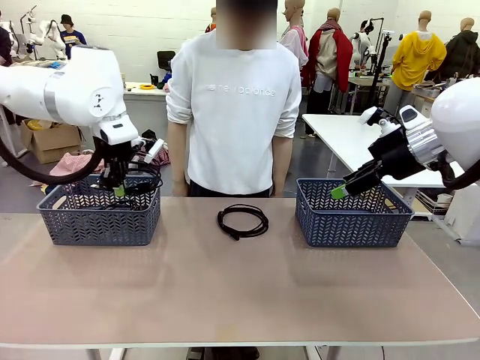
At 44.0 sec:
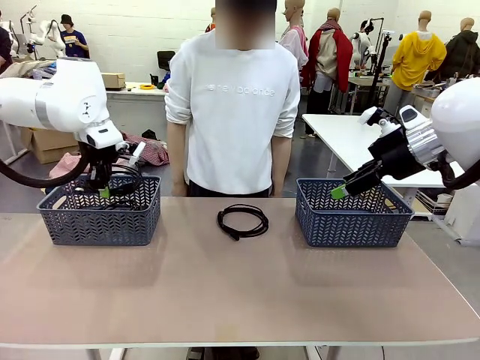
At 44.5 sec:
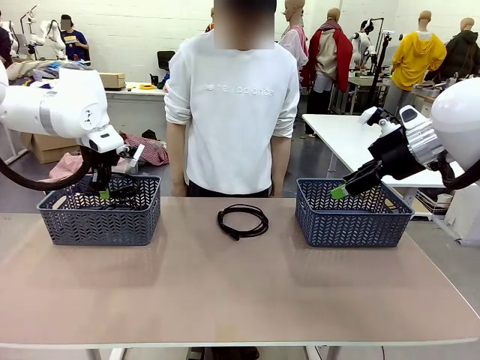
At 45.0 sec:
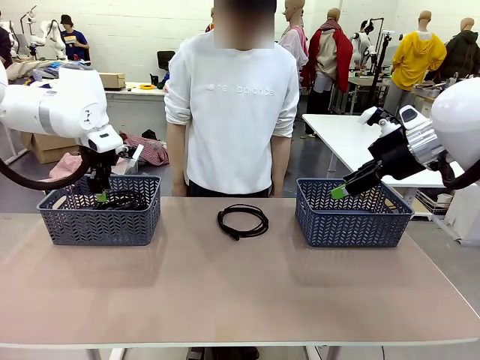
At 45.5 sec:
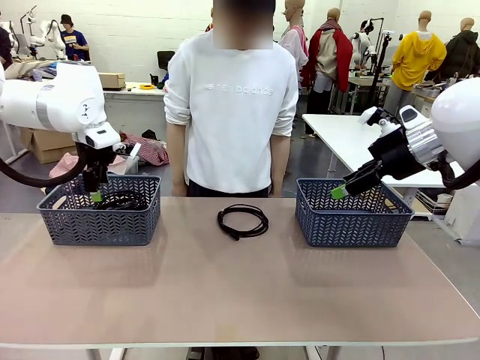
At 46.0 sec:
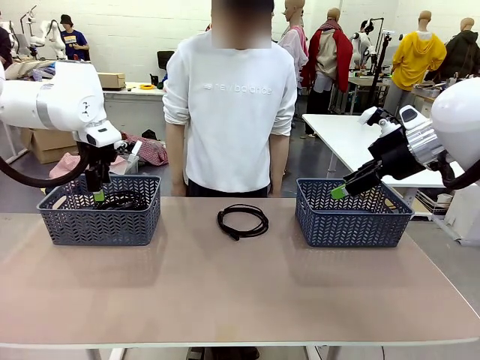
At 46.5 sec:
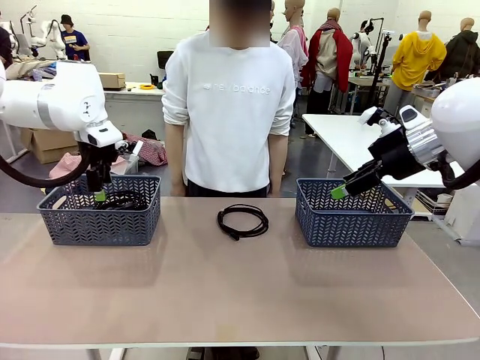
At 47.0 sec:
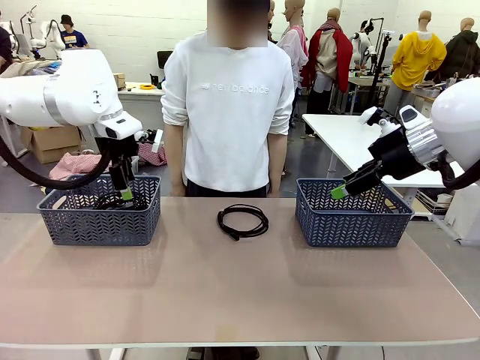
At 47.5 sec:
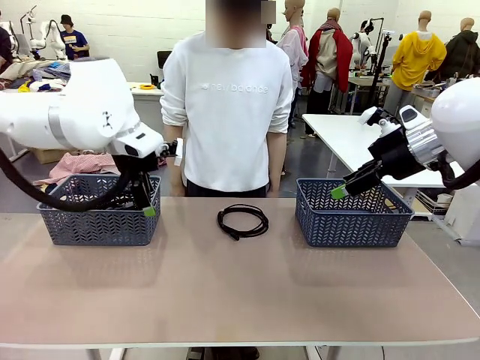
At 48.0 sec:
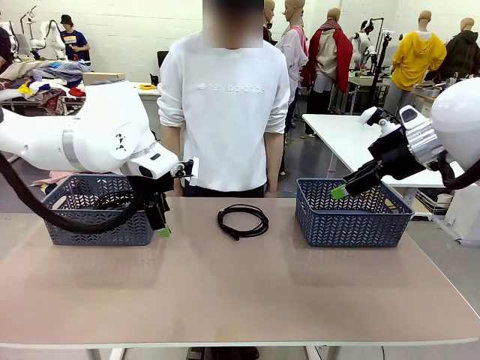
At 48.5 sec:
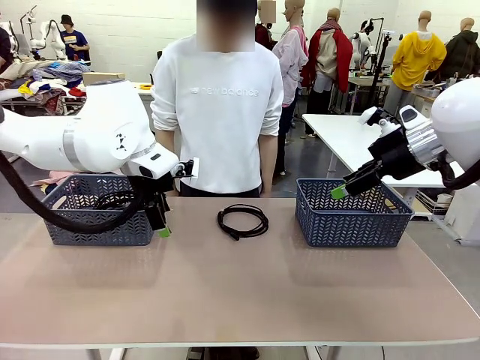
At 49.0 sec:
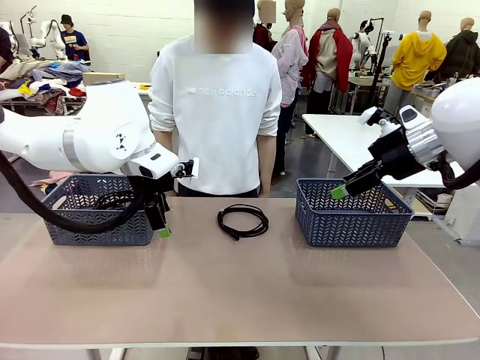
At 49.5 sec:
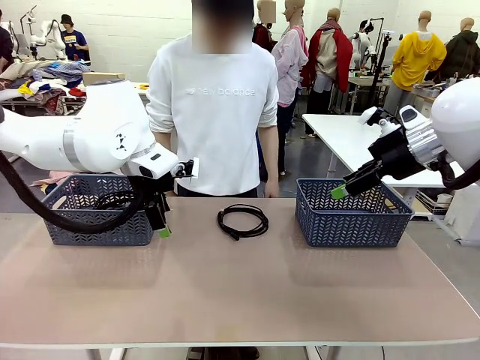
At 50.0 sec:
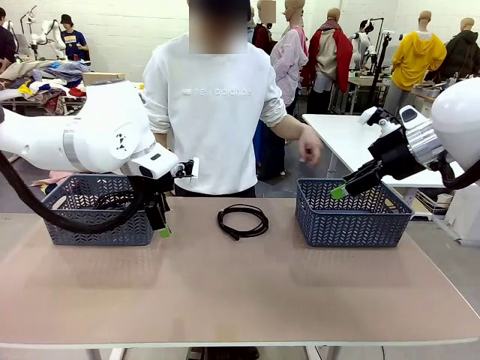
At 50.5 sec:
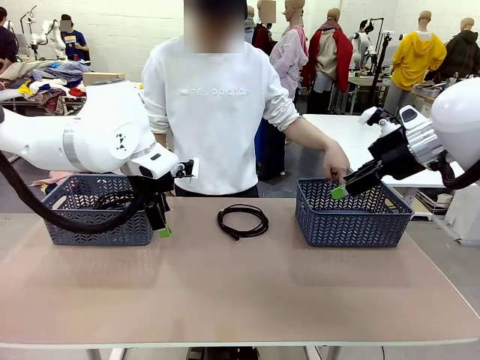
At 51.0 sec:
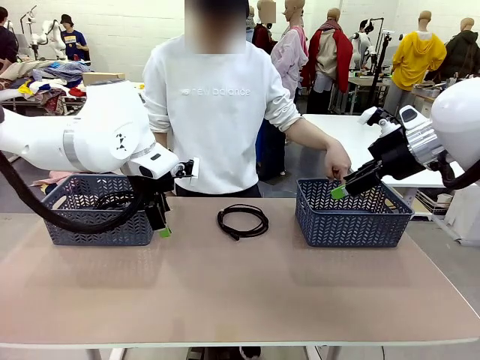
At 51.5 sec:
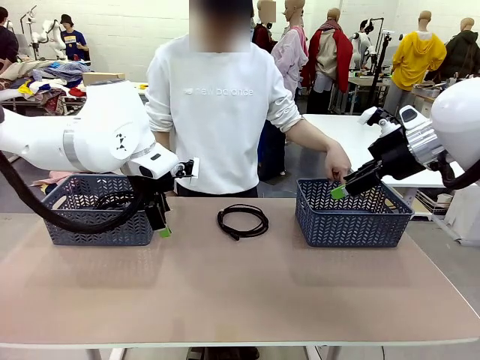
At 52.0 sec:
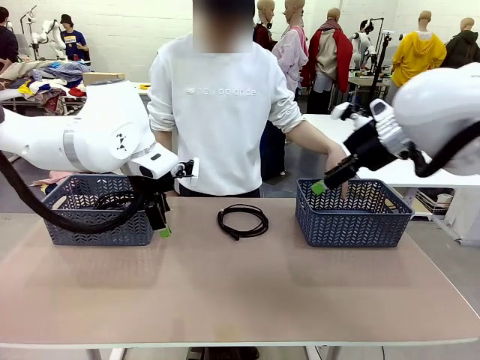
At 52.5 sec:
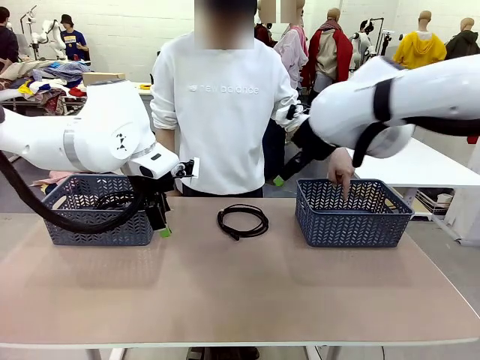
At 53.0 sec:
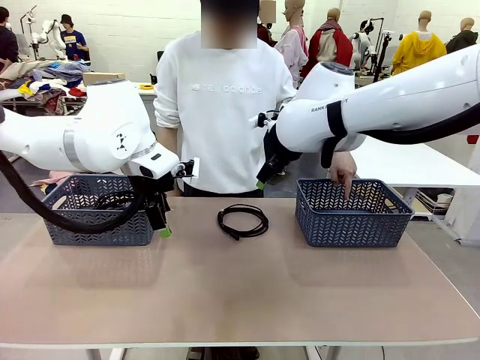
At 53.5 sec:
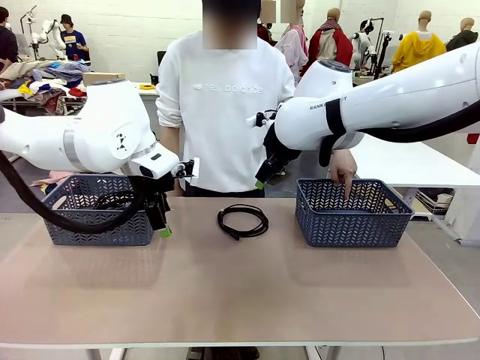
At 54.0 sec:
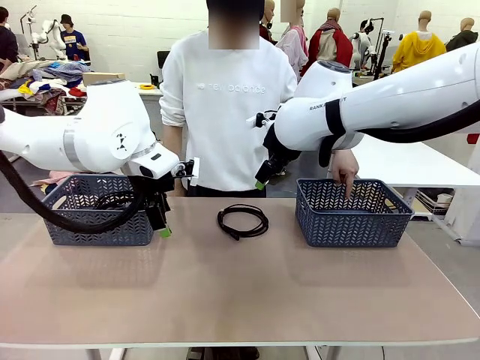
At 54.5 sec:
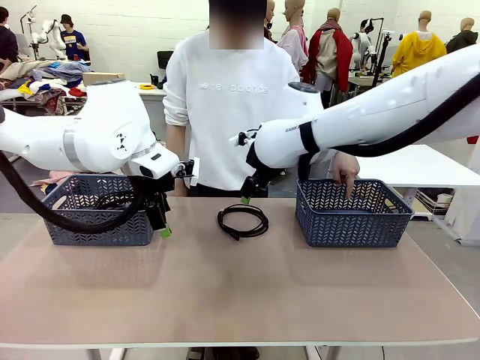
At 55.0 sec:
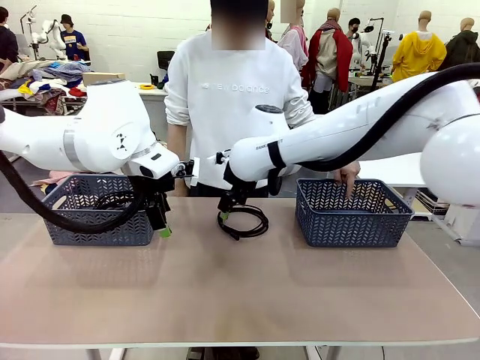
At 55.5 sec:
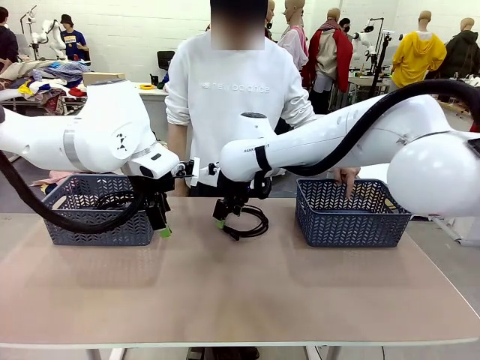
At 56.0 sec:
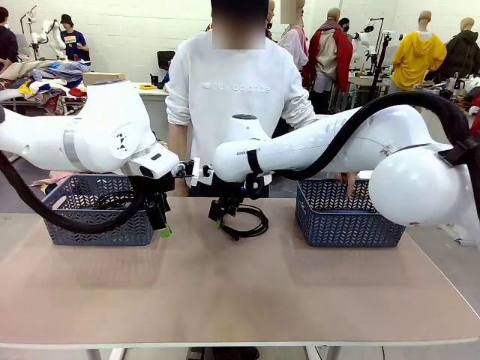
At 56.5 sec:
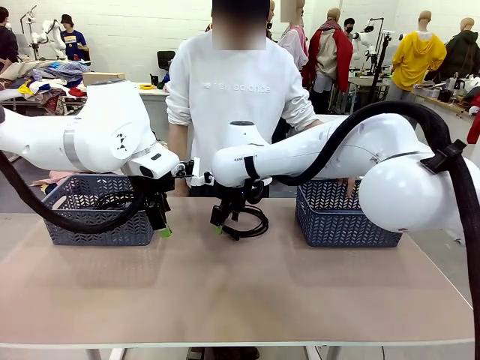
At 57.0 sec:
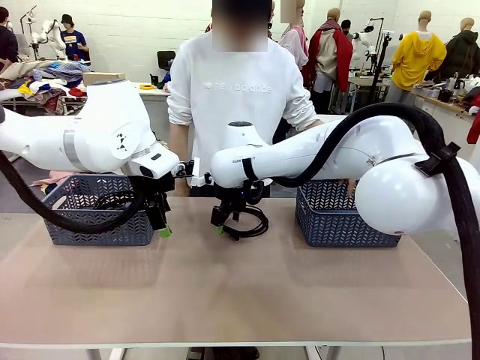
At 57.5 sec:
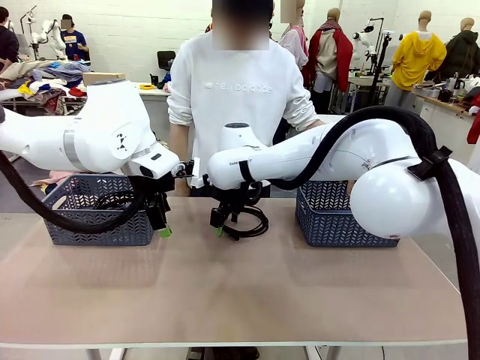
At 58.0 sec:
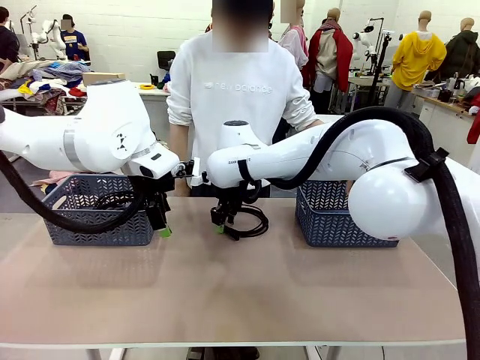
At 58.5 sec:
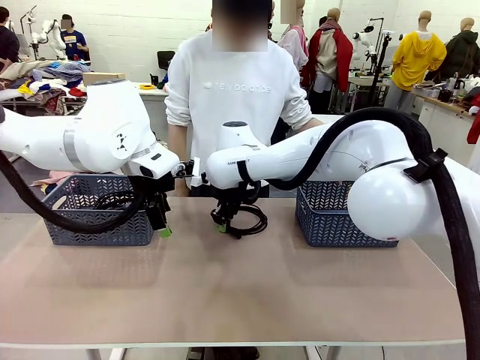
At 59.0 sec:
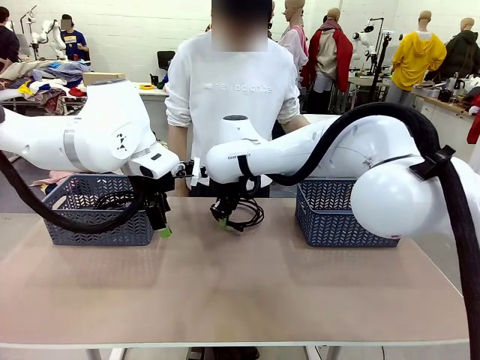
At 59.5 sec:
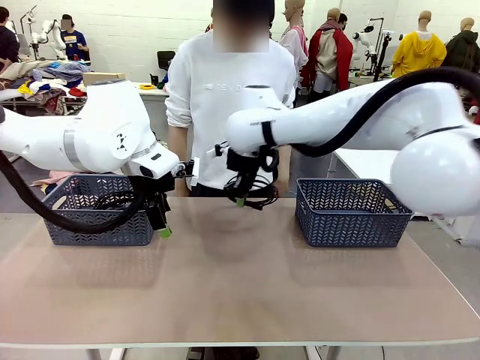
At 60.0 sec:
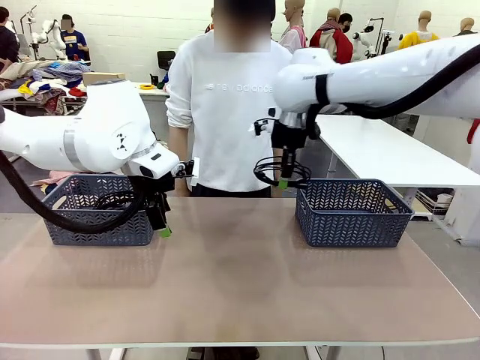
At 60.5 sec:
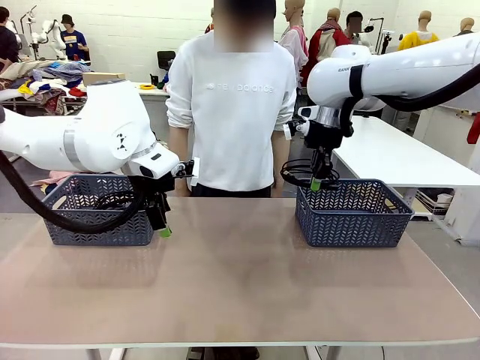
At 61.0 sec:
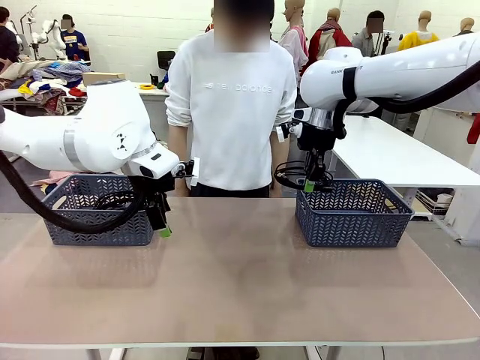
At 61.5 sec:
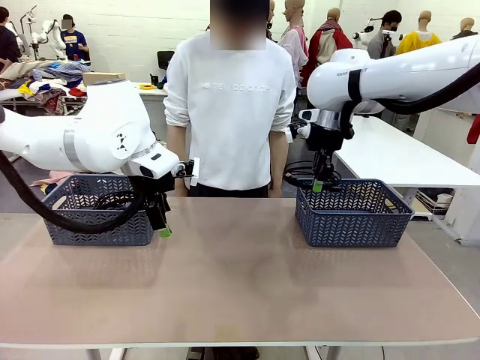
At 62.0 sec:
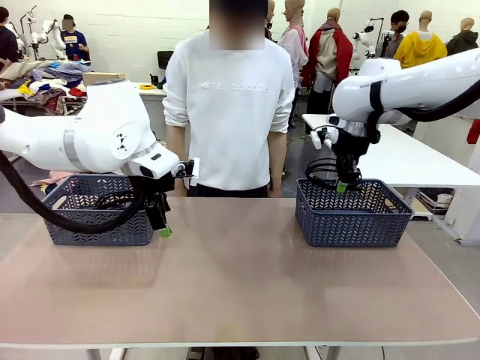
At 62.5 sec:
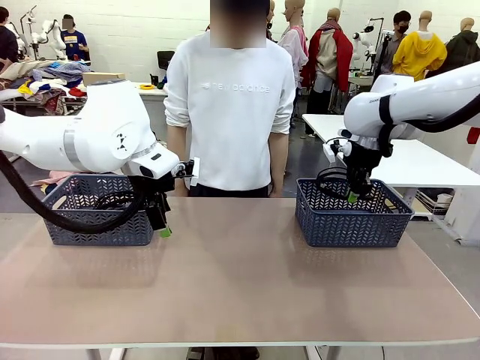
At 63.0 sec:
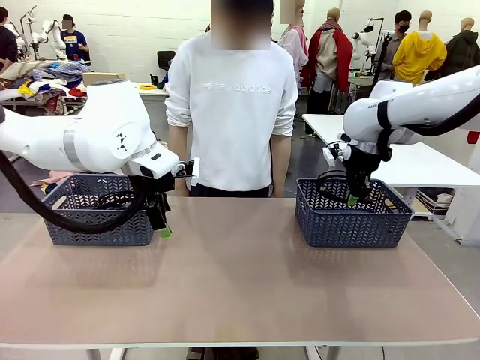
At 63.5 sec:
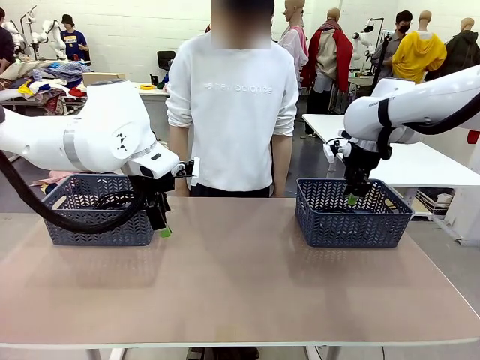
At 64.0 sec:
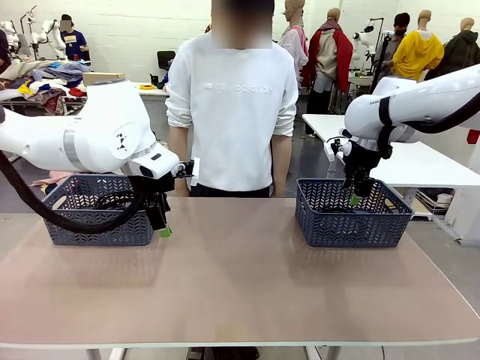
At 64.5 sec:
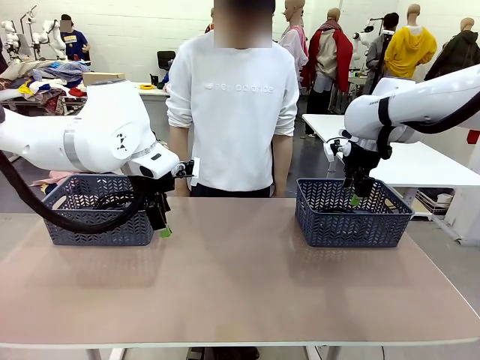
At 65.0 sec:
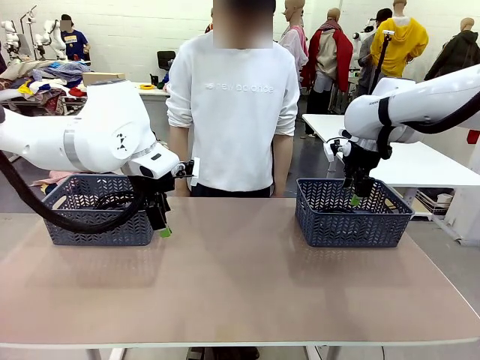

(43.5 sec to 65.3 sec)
Task: Organize the cables according to human instructions.
Robot: Pick up a bundle of cables and place it in the basket indicated by the human.
